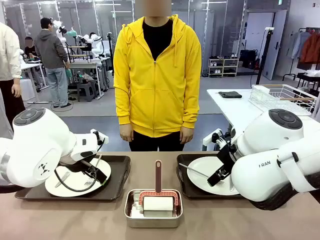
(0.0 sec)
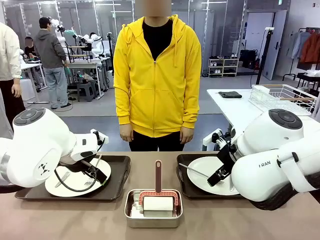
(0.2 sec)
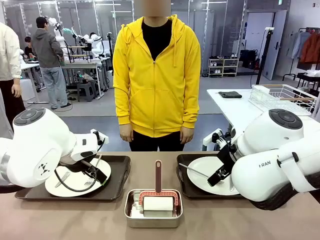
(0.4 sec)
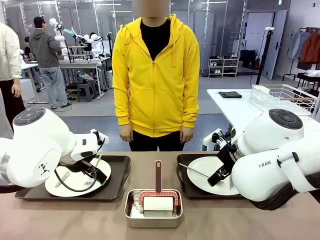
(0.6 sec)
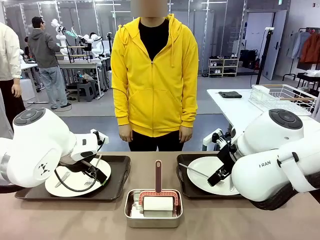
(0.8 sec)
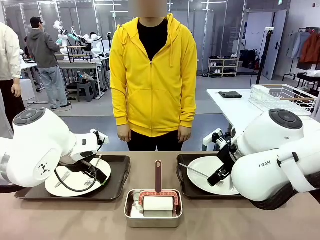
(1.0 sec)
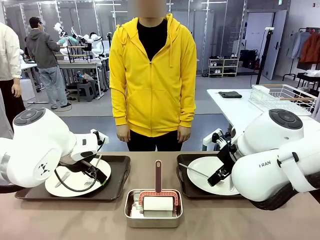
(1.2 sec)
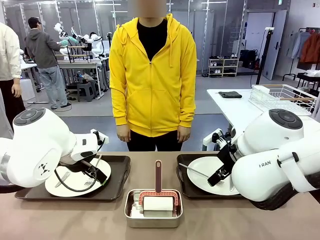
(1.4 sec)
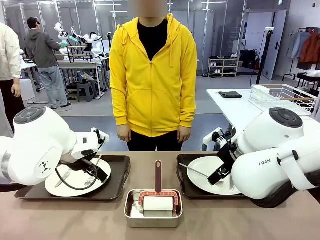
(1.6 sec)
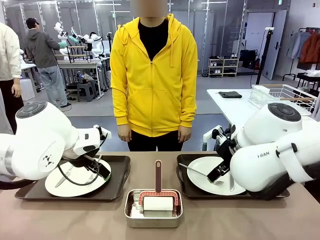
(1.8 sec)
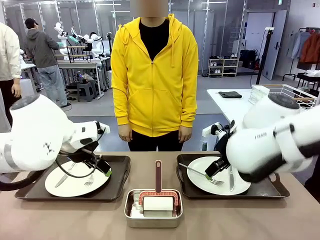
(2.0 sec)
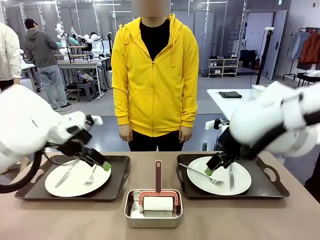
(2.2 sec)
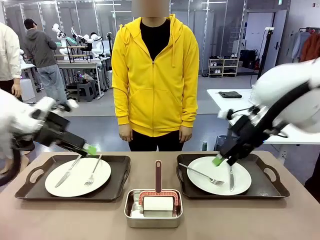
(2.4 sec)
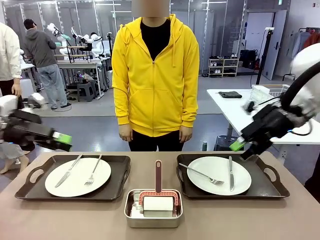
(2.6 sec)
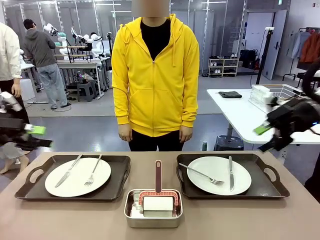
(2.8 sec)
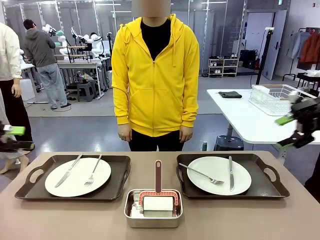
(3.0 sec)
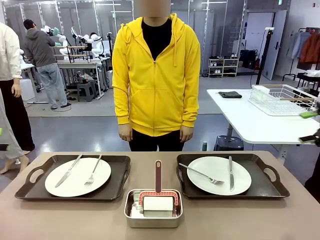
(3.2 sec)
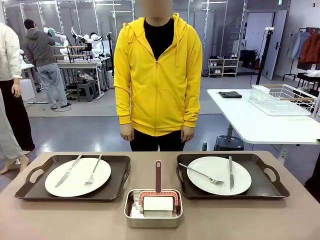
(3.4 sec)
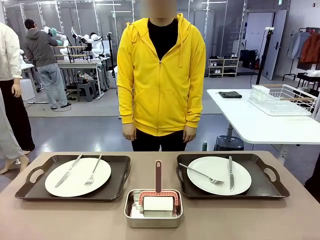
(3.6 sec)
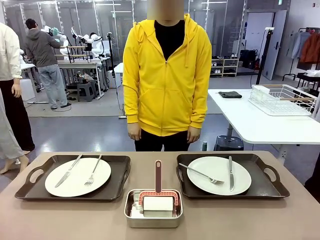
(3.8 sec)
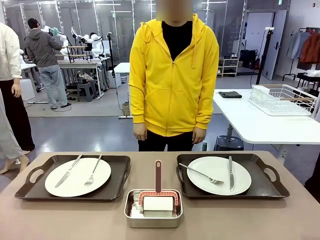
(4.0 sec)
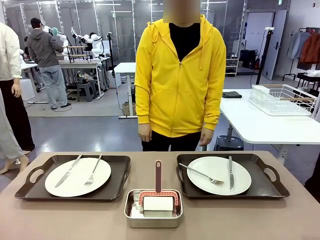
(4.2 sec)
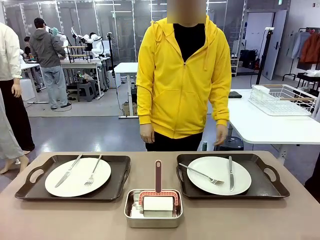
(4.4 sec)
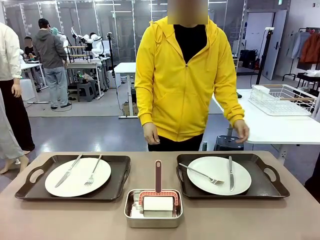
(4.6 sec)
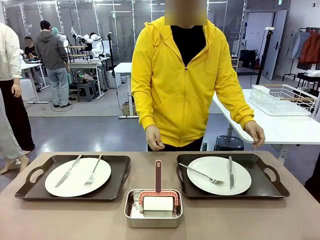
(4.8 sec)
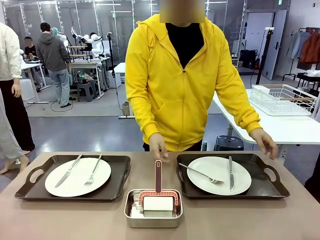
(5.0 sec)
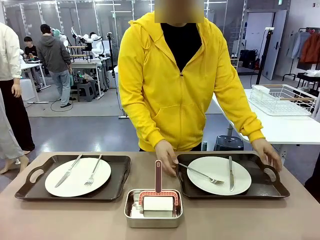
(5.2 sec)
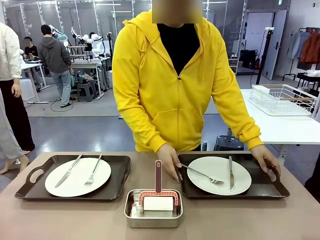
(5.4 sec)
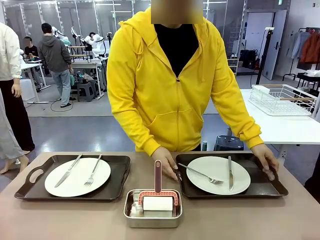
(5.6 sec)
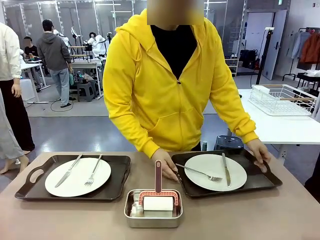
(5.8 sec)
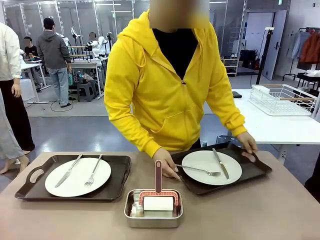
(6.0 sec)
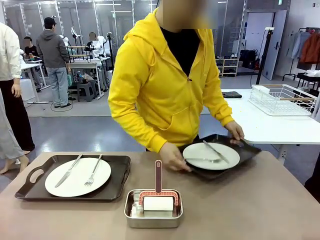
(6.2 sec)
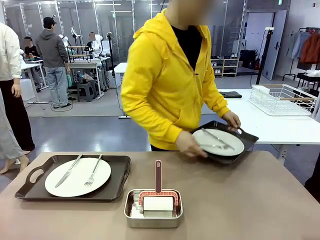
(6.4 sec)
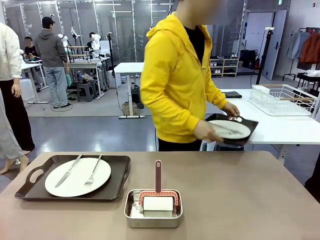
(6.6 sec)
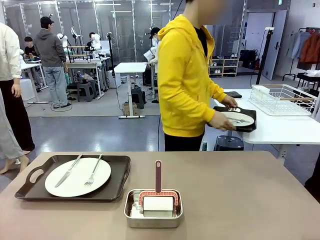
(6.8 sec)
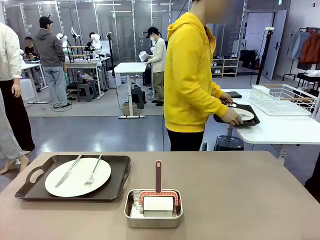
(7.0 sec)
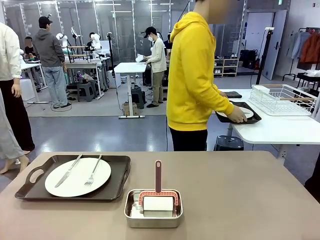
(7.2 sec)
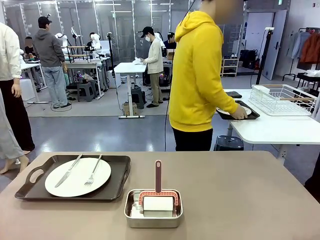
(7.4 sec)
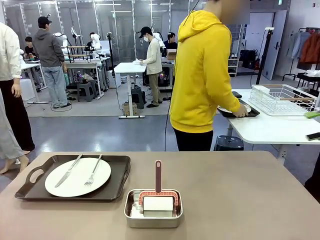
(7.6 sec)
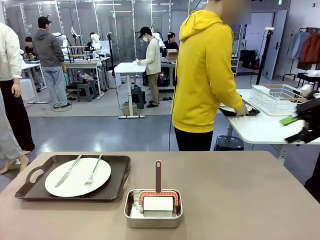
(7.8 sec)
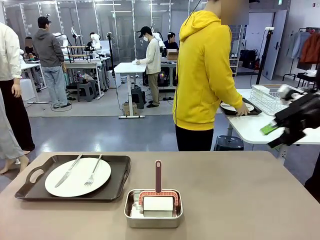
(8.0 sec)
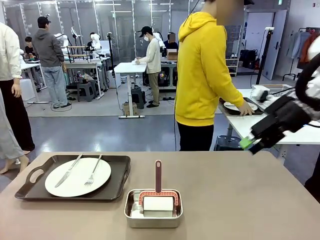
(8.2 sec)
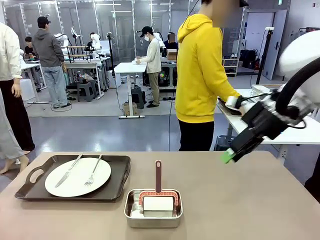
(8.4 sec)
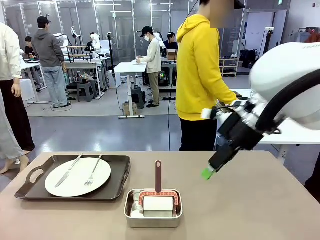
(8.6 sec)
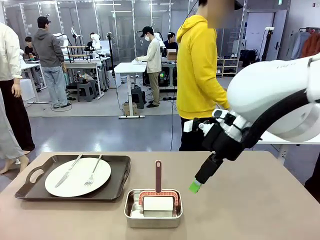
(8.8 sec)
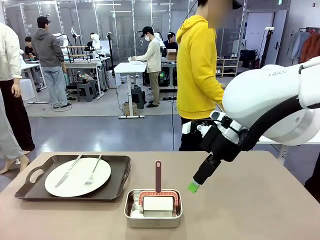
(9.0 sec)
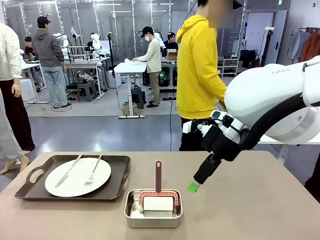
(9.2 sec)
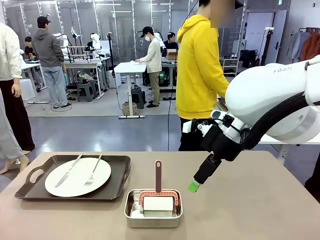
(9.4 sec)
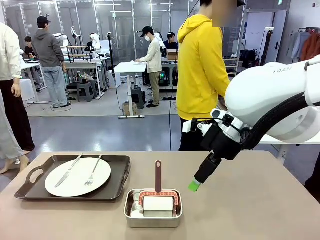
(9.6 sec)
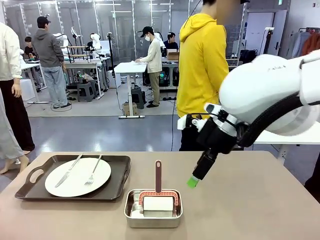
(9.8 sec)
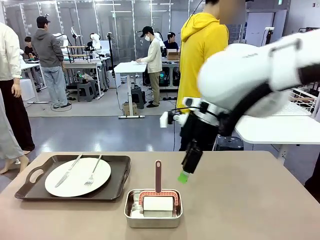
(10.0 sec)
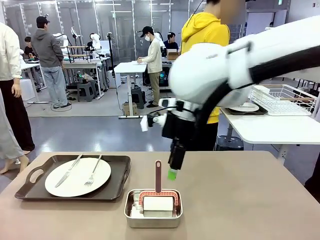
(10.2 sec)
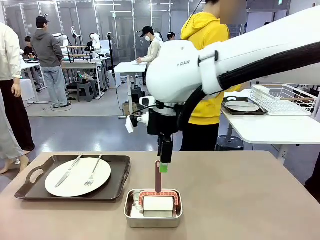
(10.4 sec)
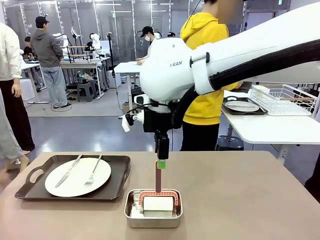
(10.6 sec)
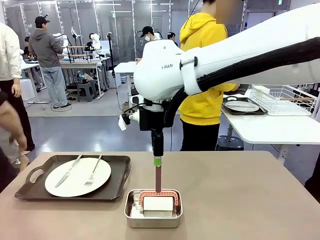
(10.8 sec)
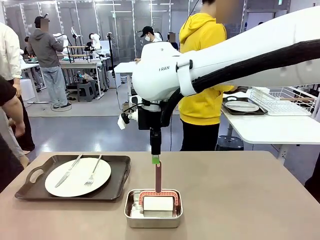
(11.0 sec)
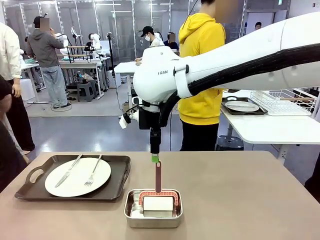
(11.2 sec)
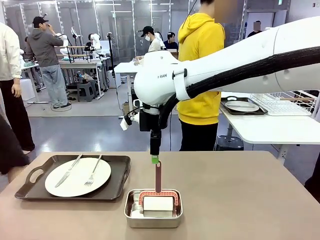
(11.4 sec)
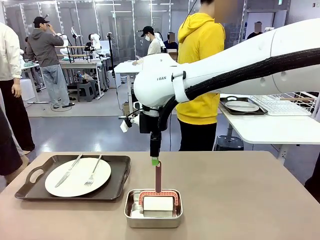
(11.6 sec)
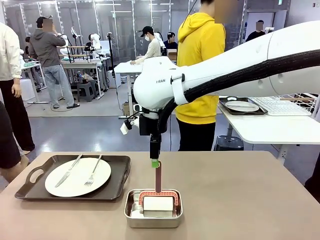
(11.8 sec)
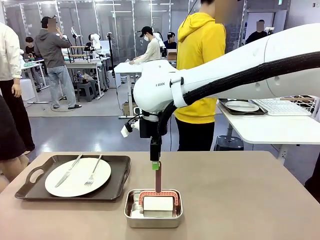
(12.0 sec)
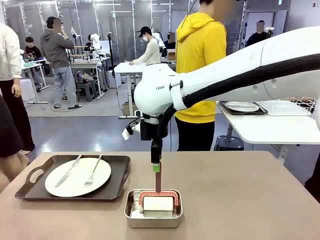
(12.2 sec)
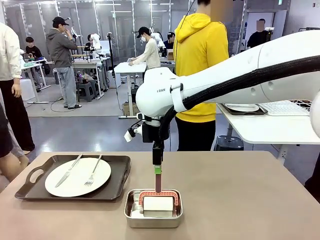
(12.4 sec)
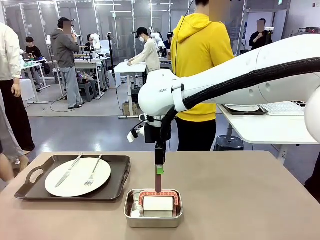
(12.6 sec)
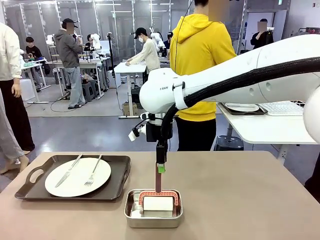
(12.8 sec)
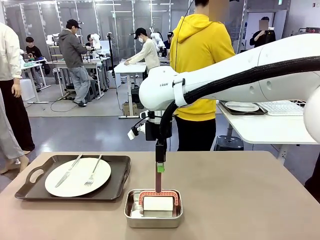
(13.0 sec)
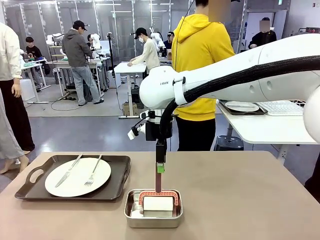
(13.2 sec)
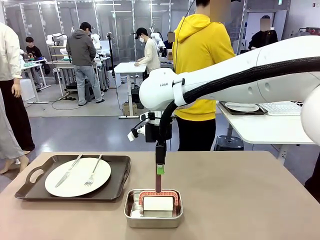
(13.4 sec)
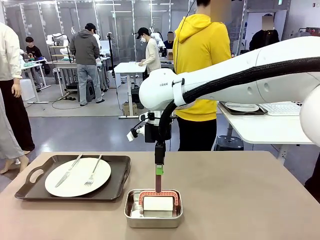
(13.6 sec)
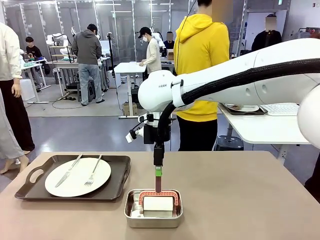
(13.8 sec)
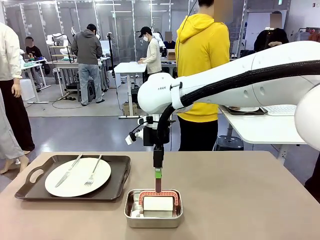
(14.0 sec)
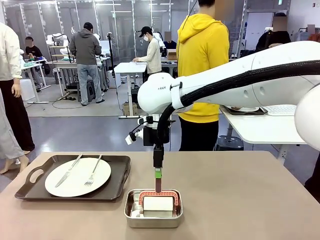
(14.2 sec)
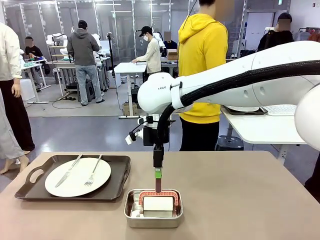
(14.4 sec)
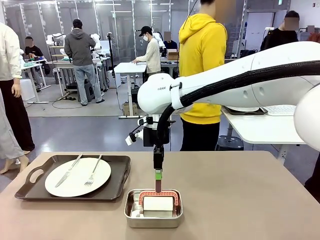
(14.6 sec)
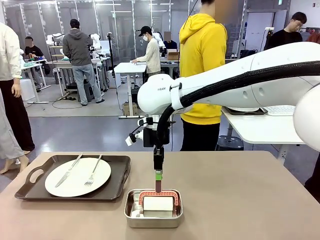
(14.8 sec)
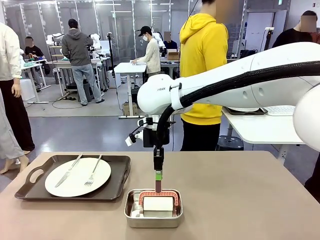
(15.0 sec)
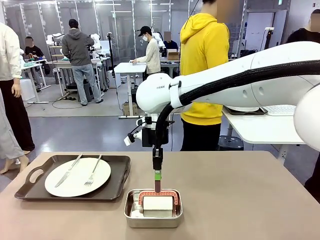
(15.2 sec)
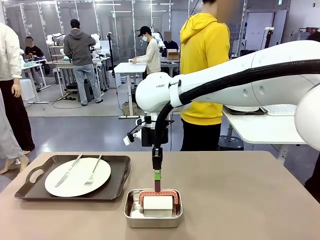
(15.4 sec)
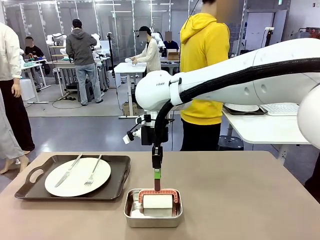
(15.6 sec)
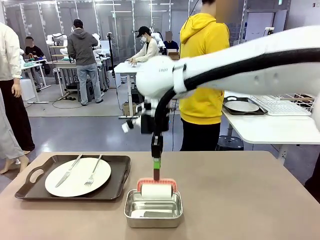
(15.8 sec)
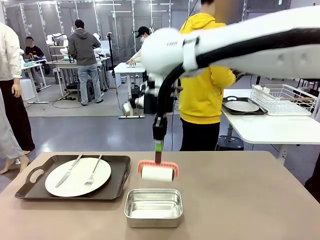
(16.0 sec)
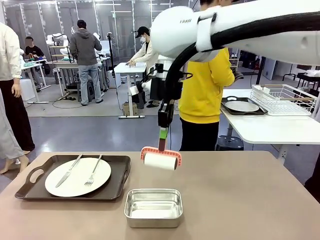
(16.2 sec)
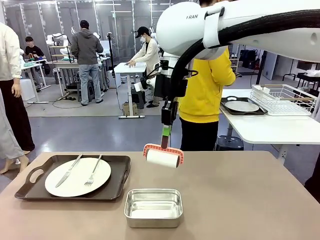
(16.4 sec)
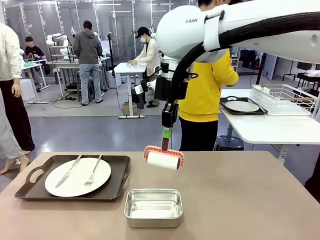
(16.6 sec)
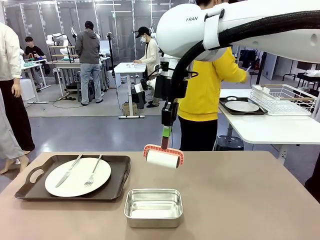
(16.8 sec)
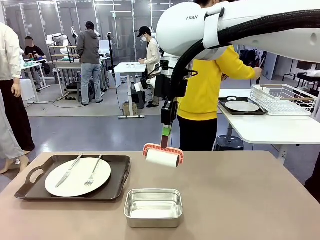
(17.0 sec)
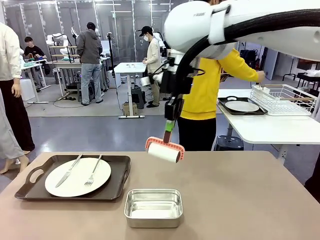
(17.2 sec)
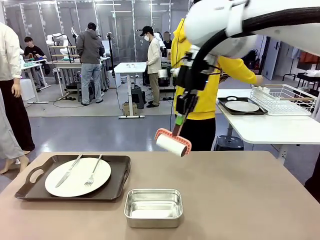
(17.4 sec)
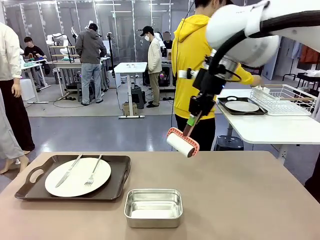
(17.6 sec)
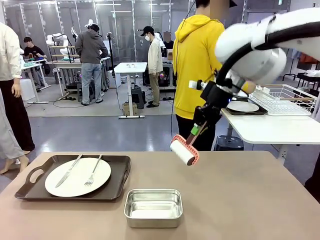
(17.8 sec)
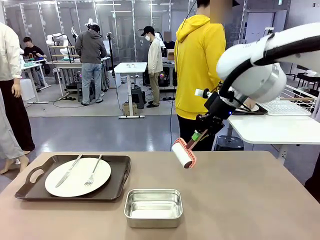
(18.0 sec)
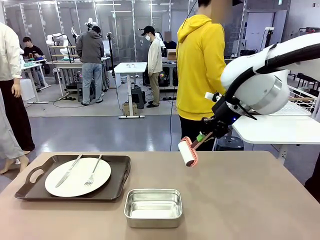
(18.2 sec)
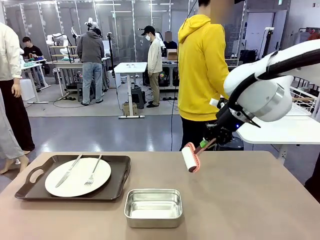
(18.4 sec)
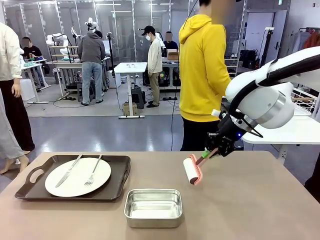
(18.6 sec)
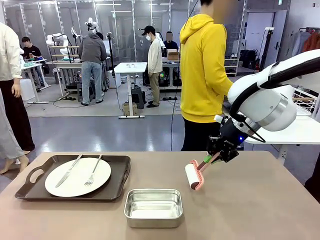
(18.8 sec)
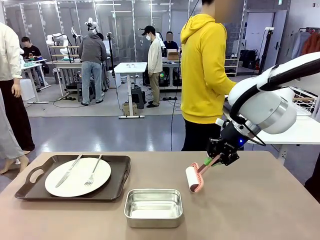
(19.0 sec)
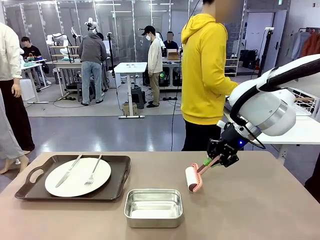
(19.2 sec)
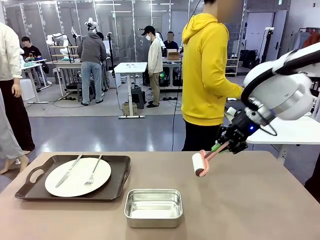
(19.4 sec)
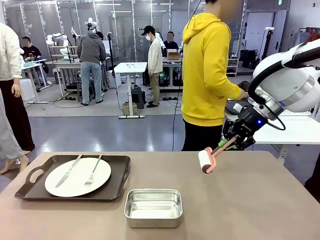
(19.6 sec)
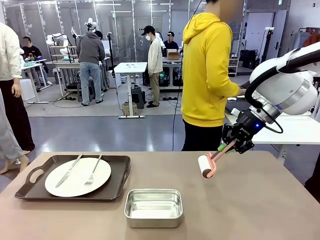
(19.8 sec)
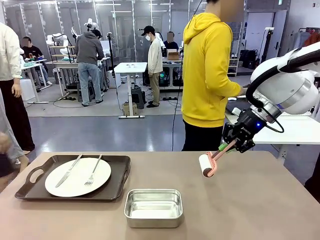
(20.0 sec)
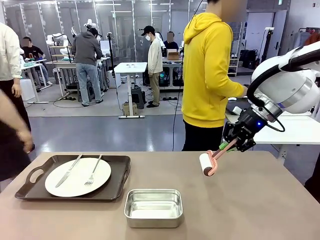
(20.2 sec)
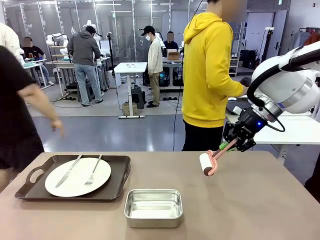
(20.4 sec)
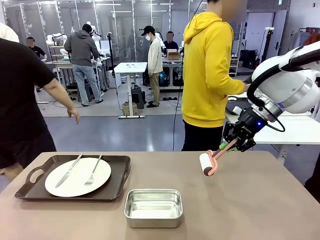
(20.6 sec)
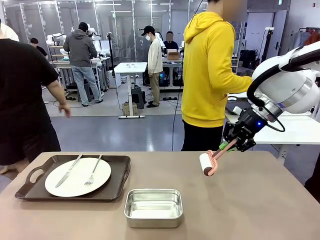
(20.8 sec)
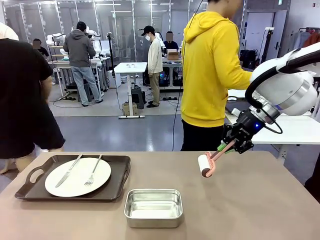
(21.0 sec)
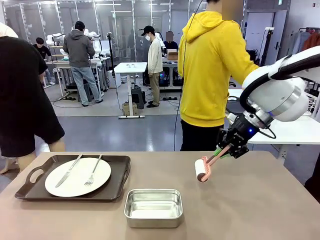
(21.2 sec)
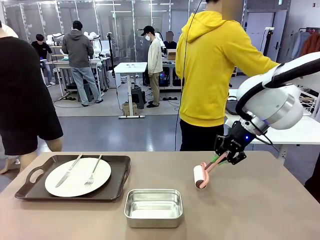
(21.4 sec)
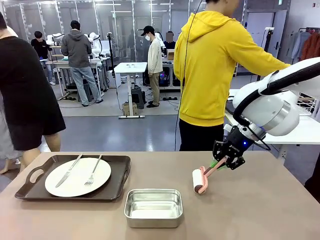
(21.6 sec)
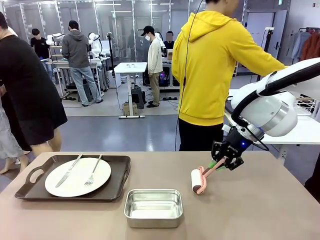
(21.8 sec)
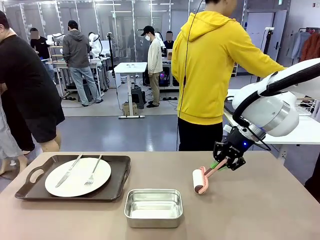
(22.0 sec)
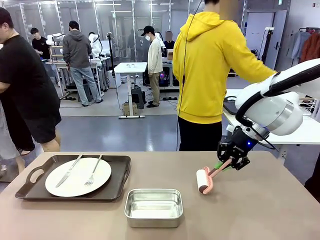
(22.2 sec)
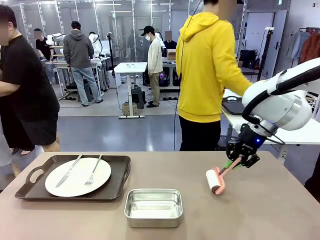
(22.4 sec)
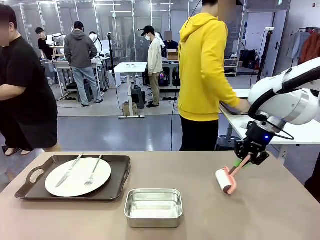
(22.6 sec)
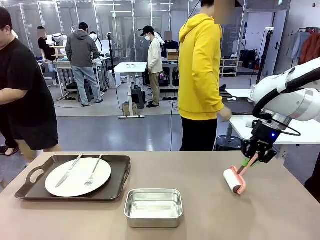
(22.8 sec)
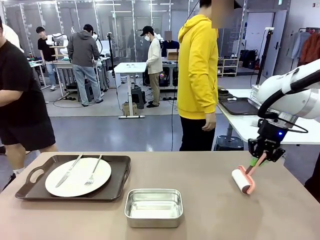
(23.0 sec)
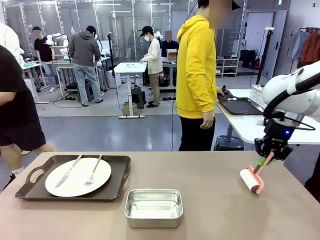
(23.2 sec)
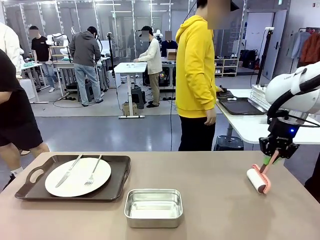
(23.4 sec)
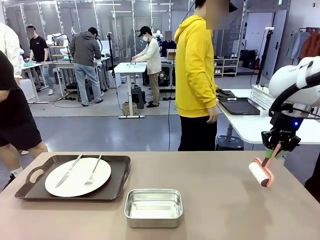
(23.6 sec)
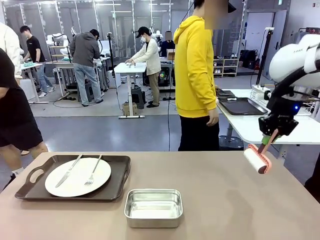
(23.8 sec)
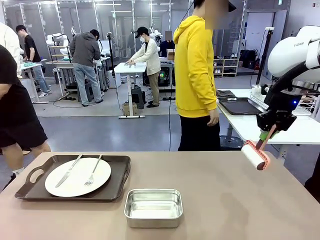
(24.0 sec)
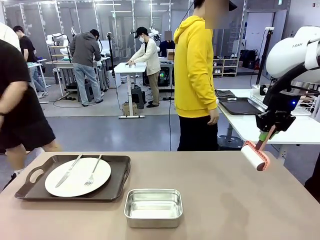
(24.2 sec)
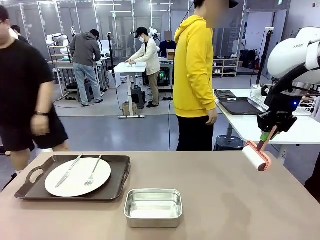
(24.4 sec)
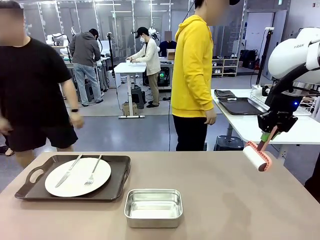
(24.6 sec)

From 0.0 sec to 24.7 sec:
Robot: When the left (or right) Handle tray is removed, use the left hand (or right hand) to clean the left (or right) side of the table with the Lint Roller.
Person: Pick up the left (or right) Handle tray and place it on the middle of the Human's table. Use the Towel with hook to wipe the Plastic Matte Plate , Fork , and Knife and place into the Dish drying rack.
